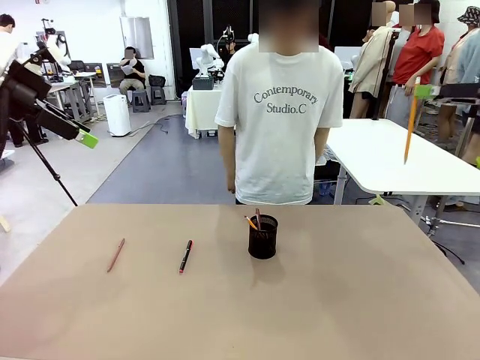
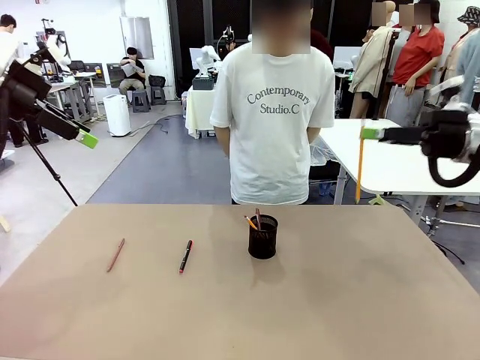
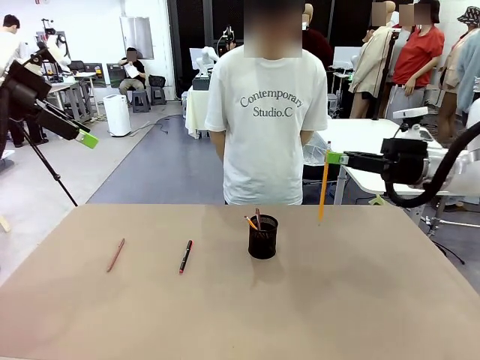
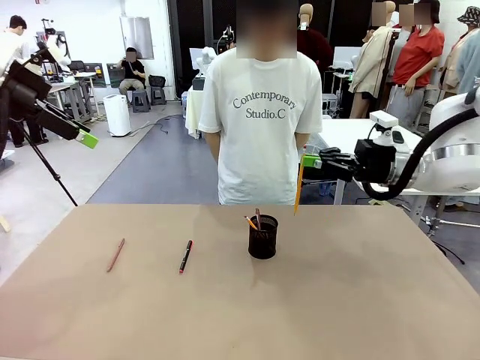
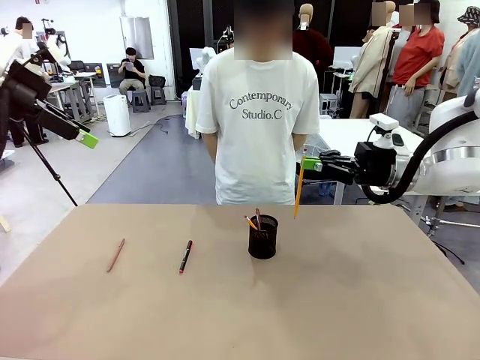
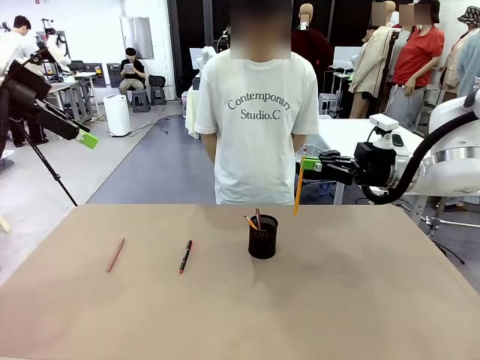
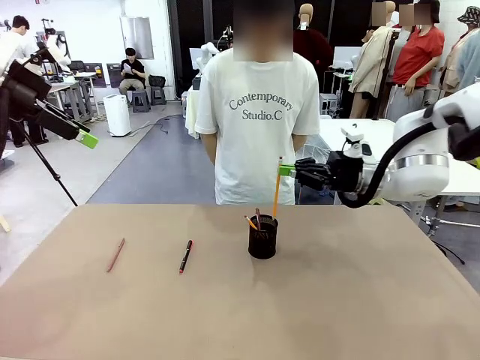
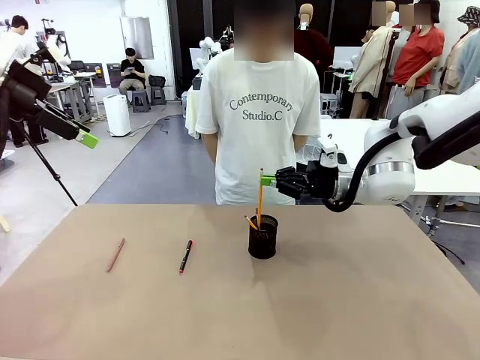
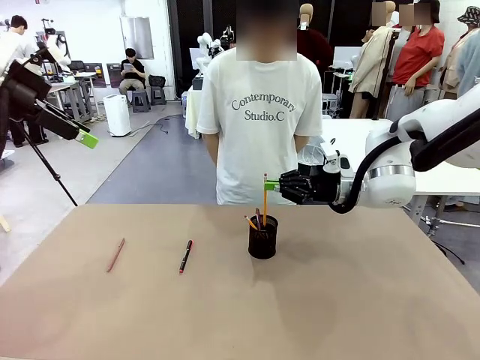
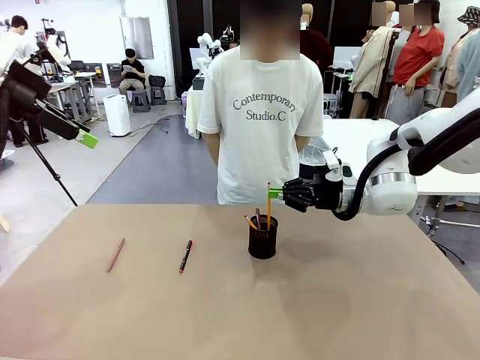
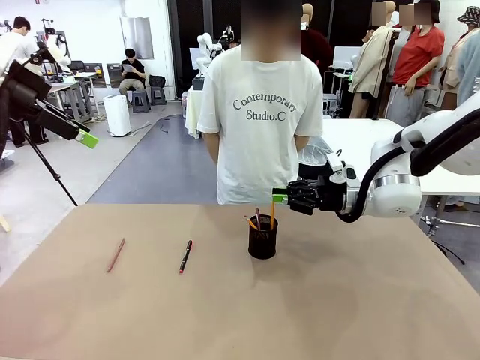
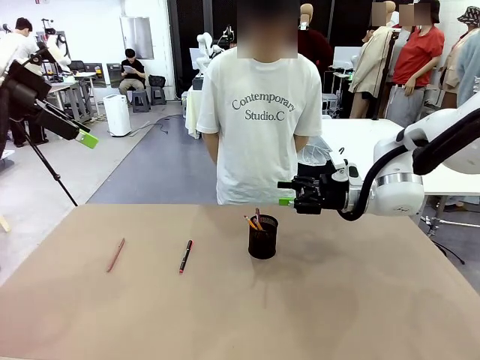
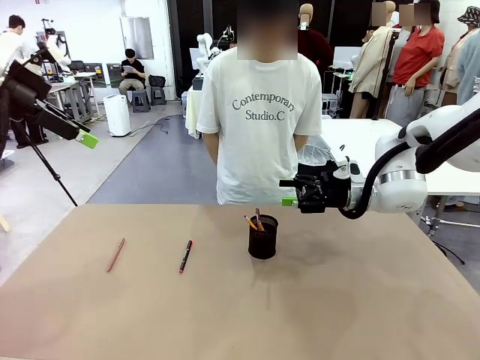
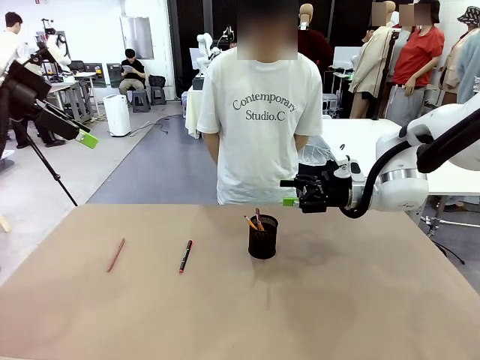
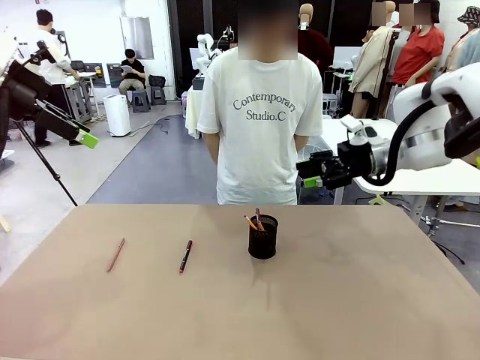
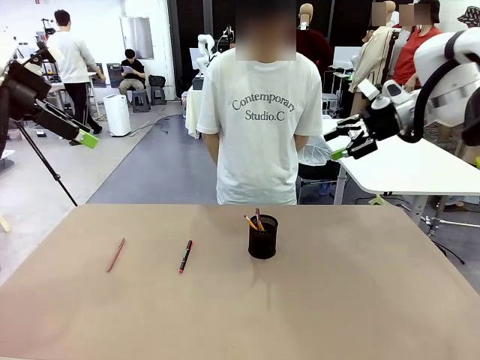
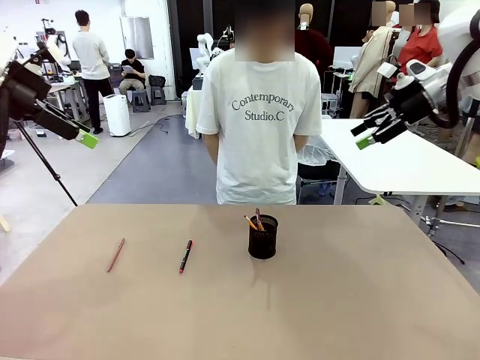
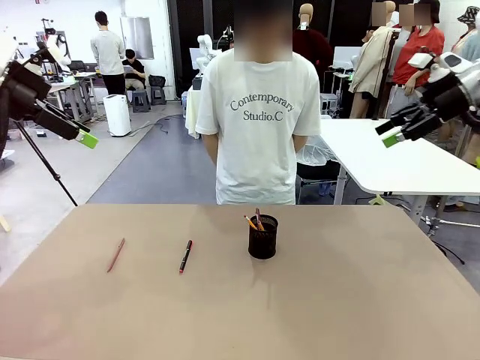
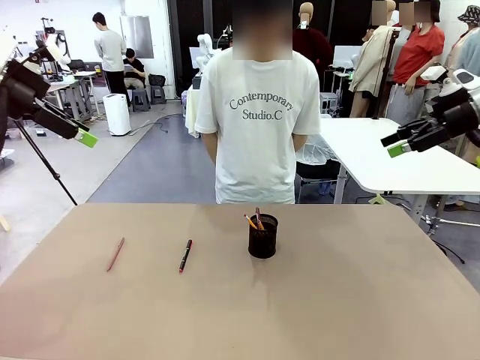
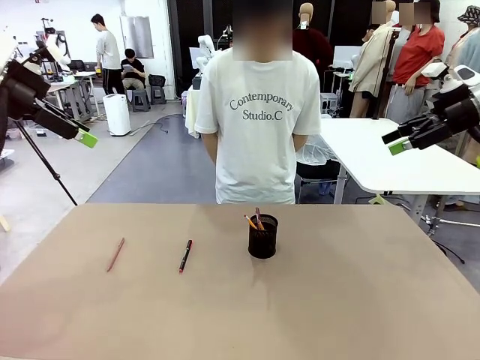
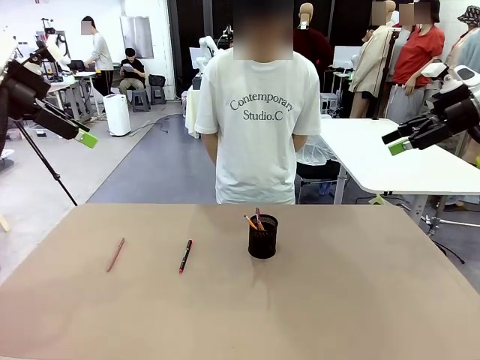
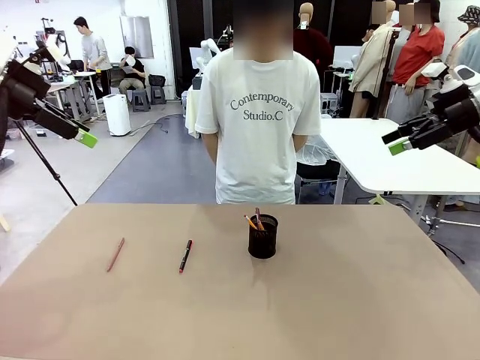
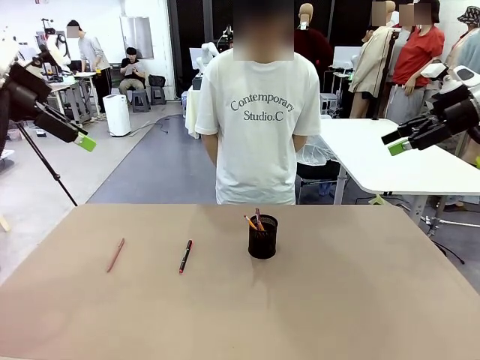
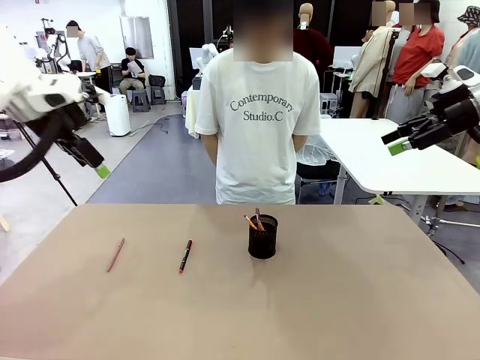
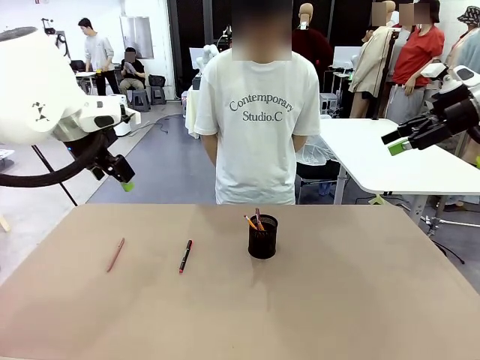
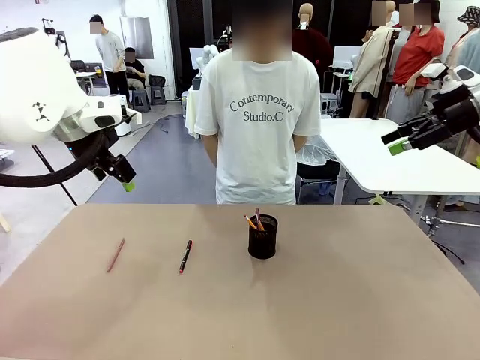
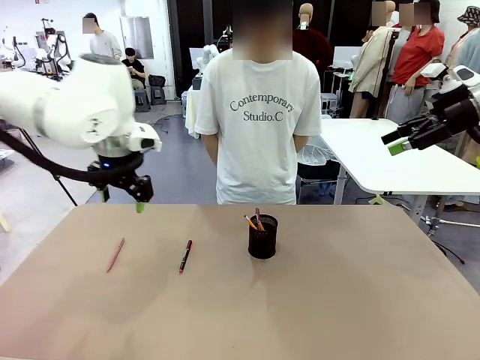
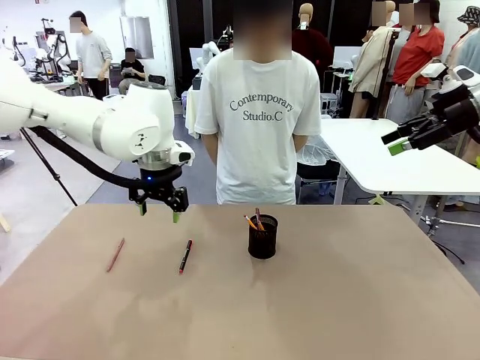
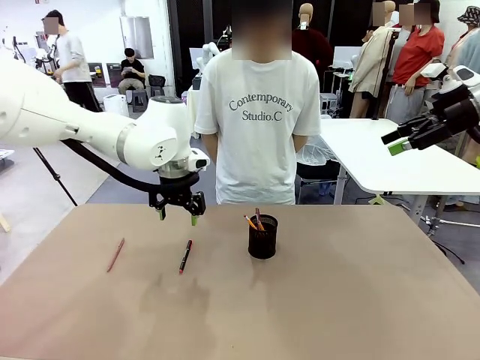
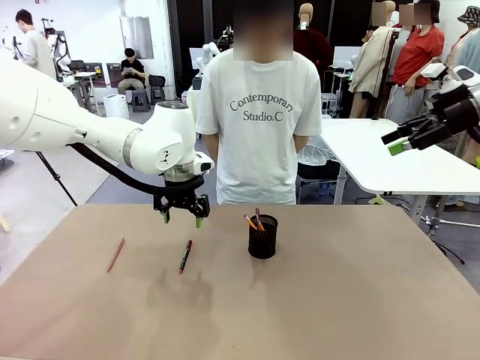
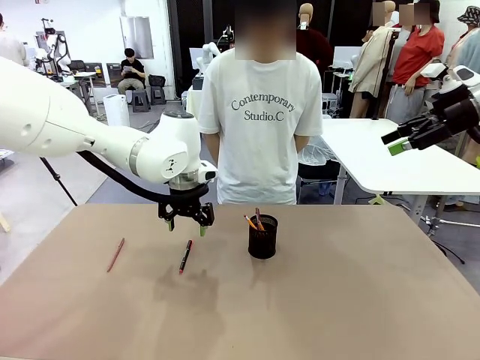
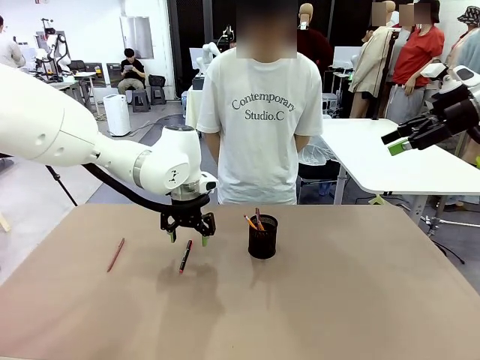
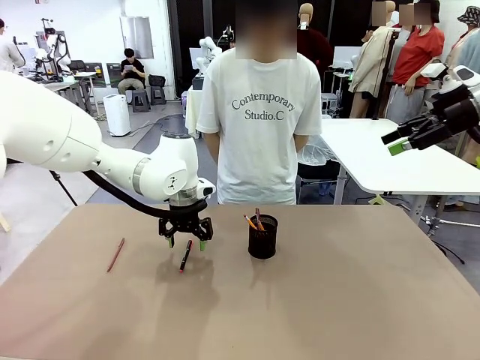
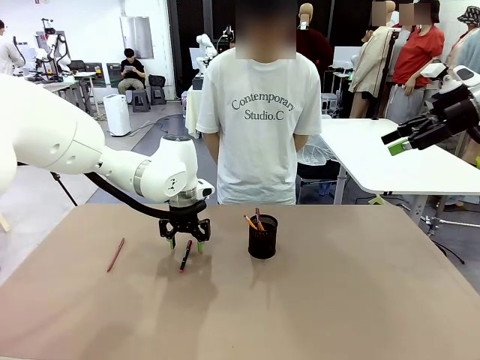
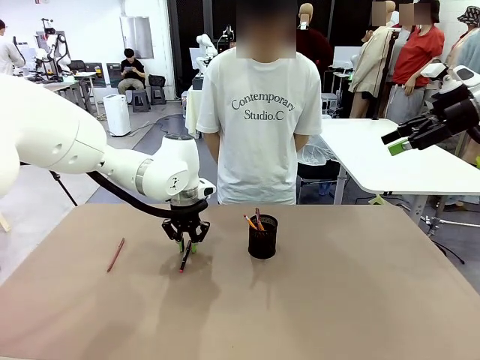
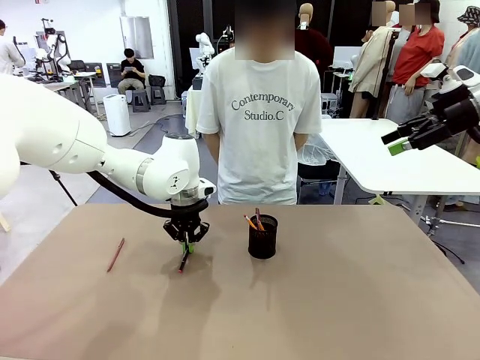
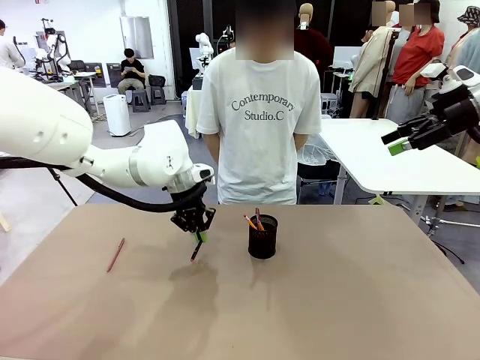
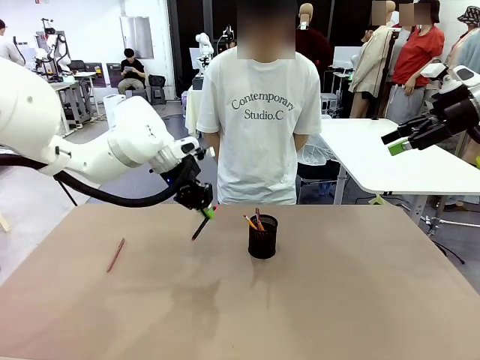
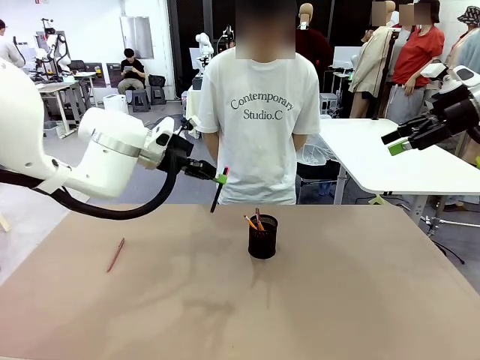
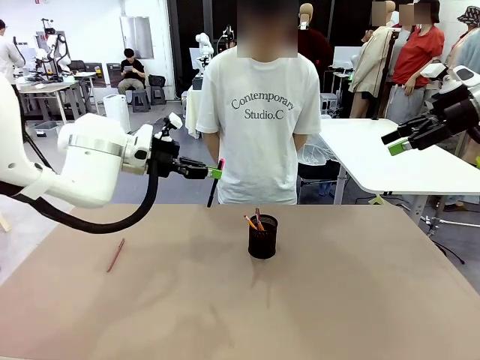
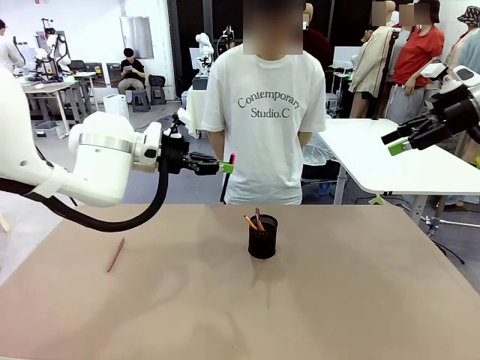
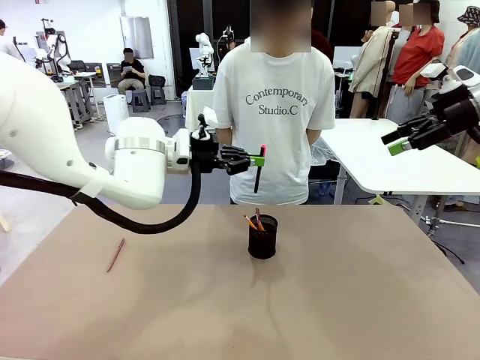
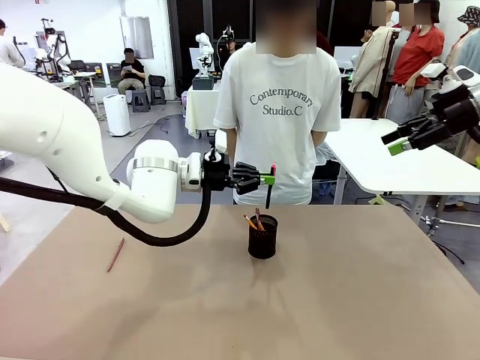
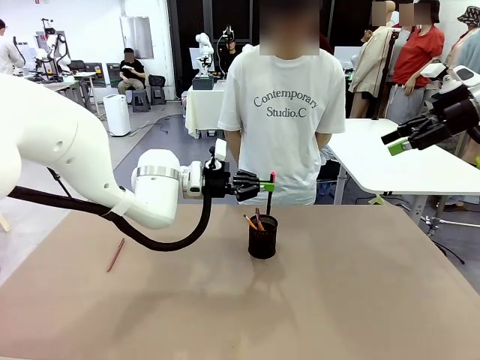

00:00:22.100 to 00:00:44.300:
Task: Place the pens into the pen holder.
Robot: Pick up a writing instrument from the table and place it into the Pen holder.

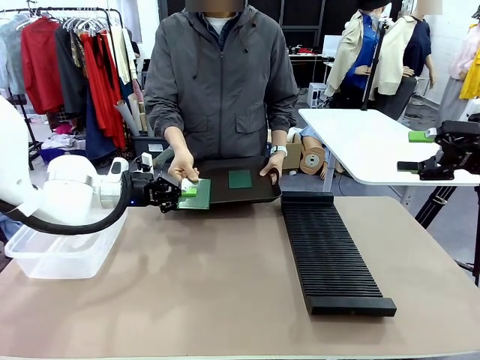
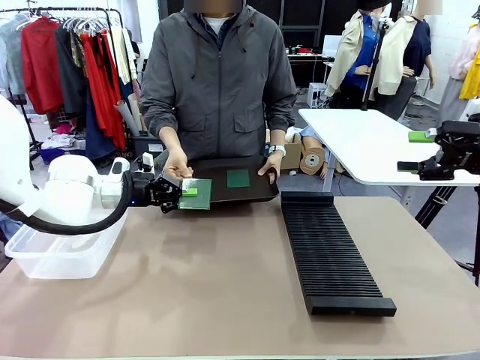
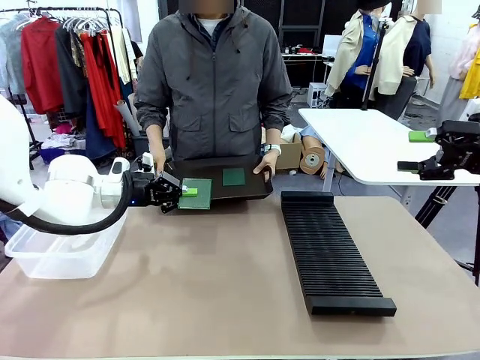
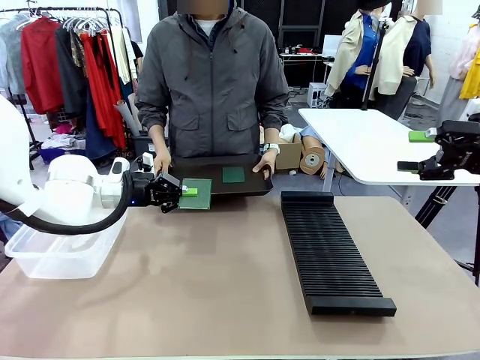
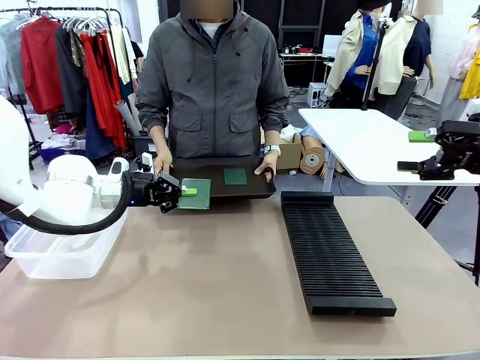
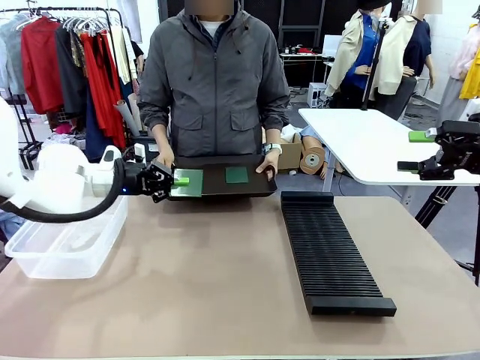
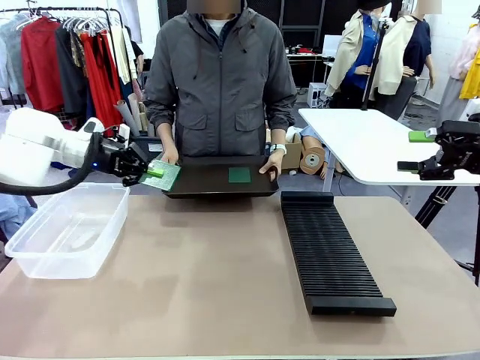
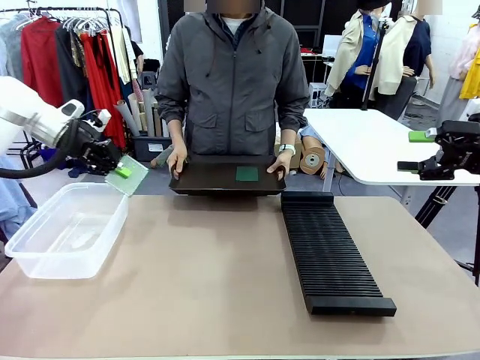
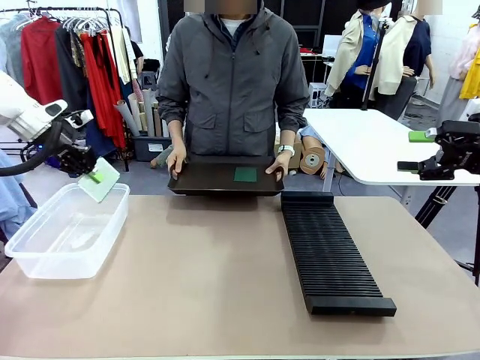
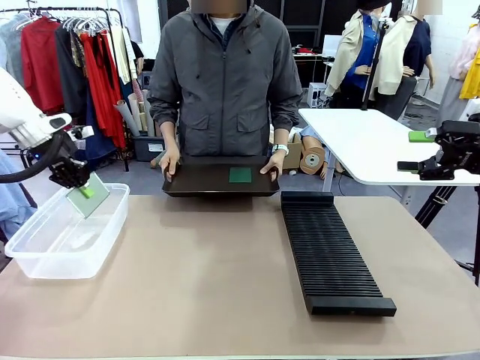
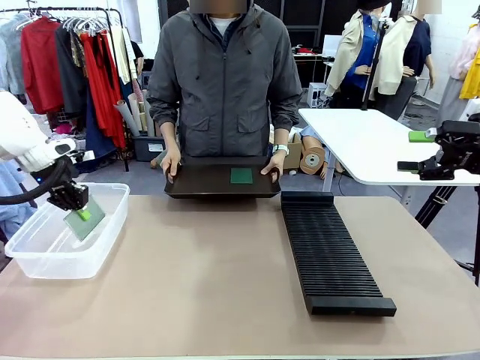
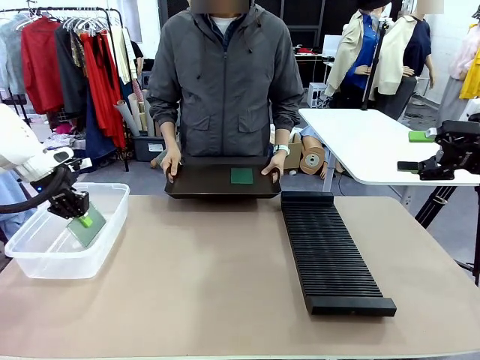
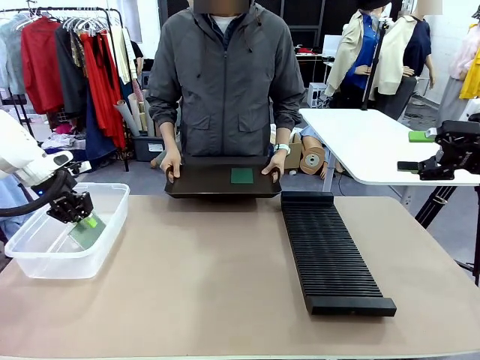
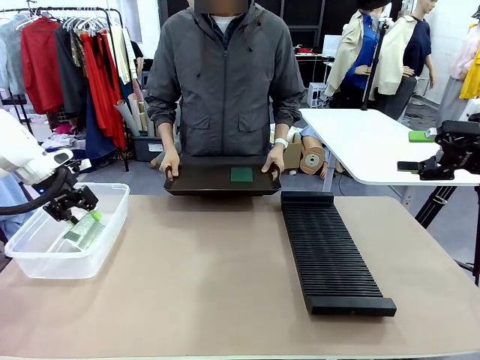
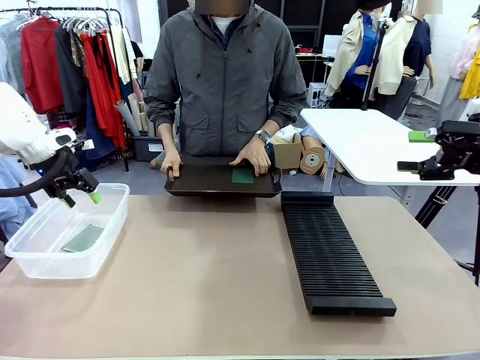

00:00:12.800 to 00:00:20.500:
Task: Sort PCBs into racks and boxes based on the side picked up.
Robot: If the short side of the Blank PCB is picked up, insert it into the PCB Rack ; if the long side is picked up, place it in the Organizing box.
Person: Pick one PCB from the tray and present it to the robot.
